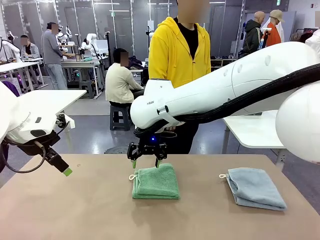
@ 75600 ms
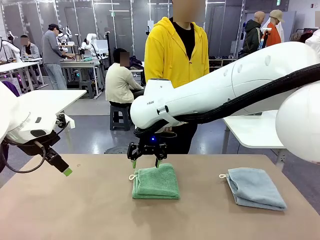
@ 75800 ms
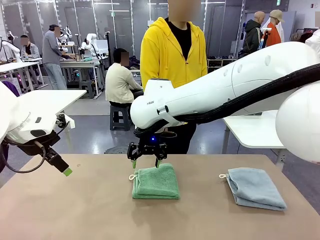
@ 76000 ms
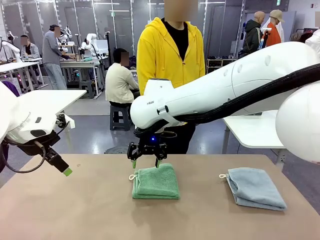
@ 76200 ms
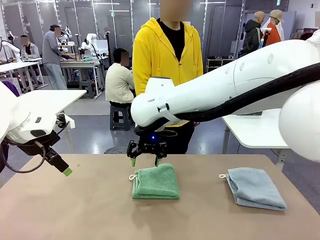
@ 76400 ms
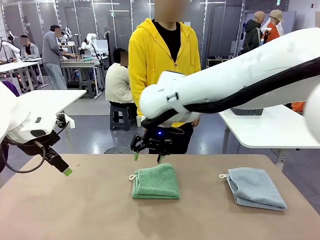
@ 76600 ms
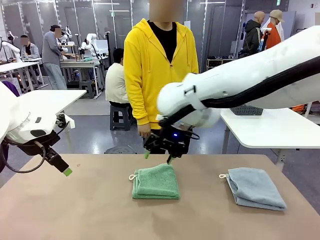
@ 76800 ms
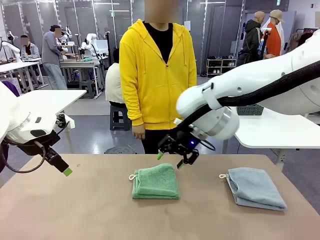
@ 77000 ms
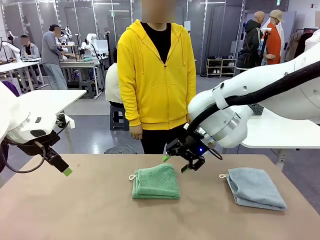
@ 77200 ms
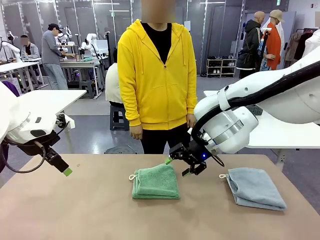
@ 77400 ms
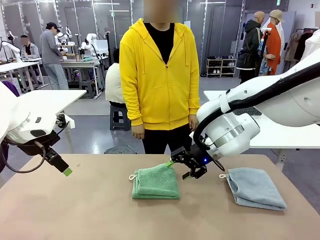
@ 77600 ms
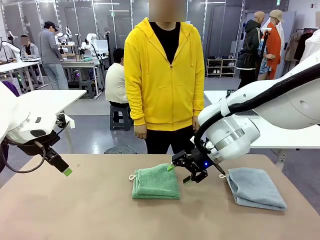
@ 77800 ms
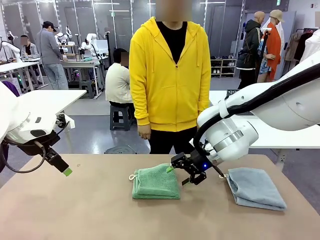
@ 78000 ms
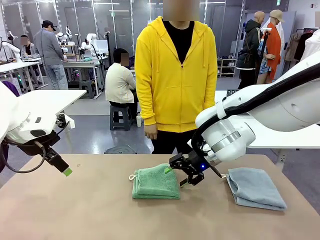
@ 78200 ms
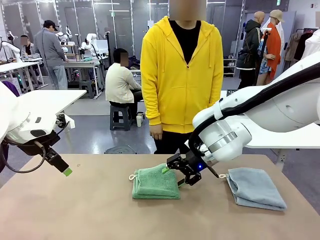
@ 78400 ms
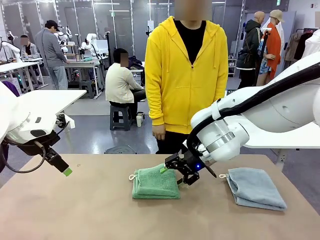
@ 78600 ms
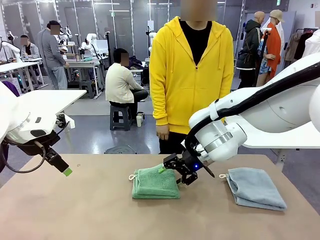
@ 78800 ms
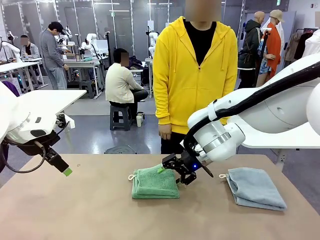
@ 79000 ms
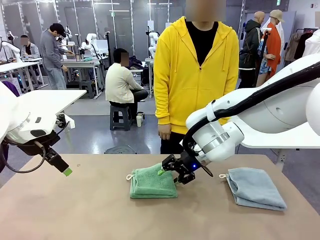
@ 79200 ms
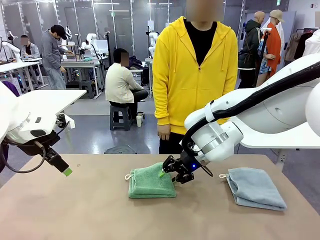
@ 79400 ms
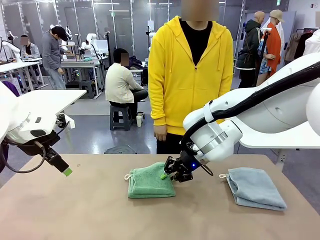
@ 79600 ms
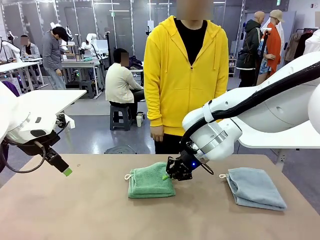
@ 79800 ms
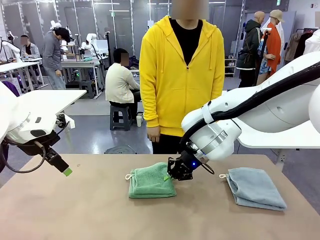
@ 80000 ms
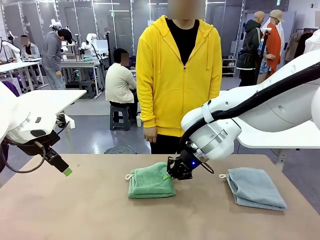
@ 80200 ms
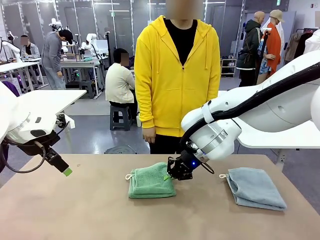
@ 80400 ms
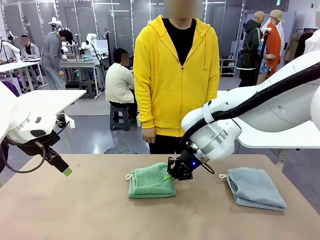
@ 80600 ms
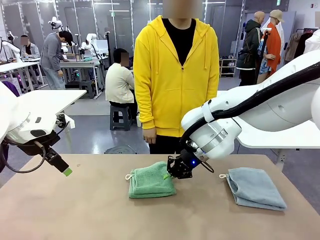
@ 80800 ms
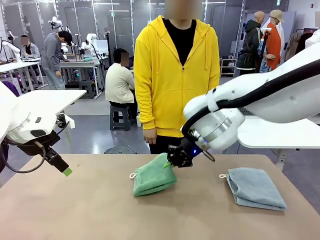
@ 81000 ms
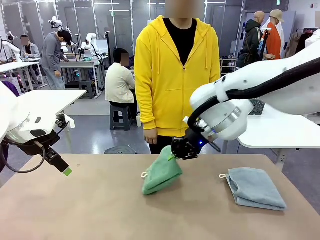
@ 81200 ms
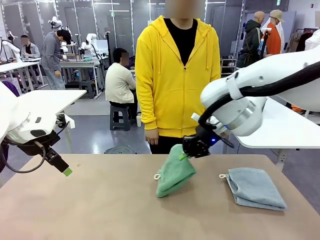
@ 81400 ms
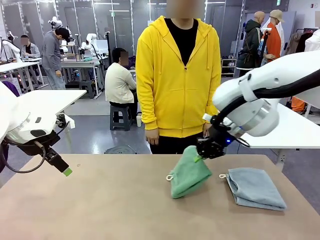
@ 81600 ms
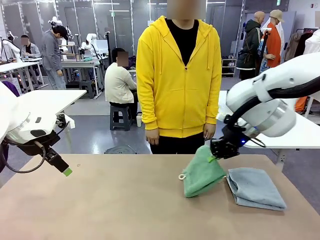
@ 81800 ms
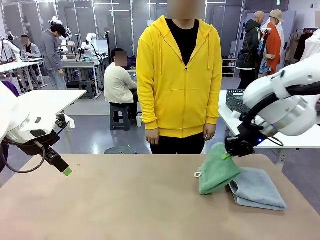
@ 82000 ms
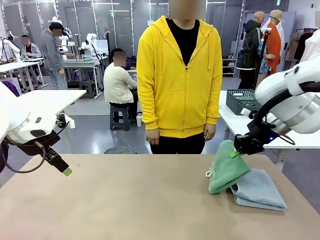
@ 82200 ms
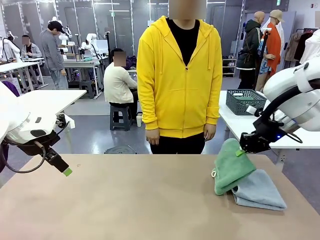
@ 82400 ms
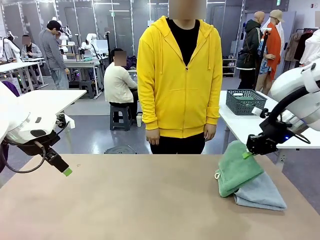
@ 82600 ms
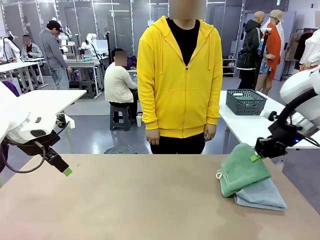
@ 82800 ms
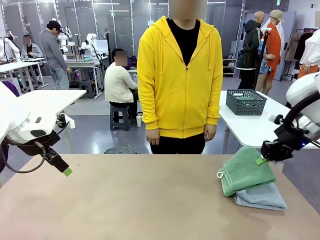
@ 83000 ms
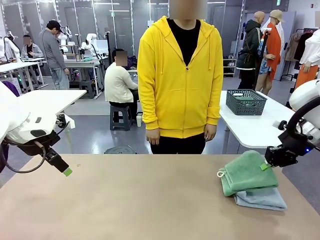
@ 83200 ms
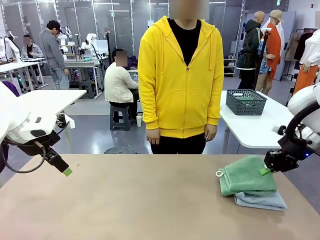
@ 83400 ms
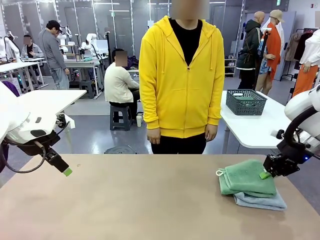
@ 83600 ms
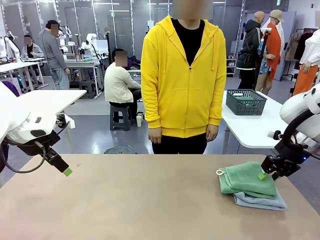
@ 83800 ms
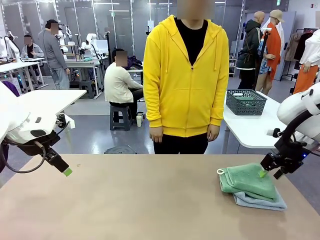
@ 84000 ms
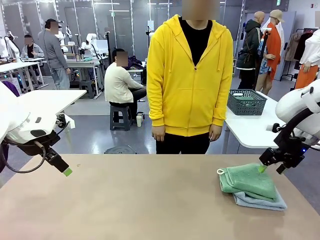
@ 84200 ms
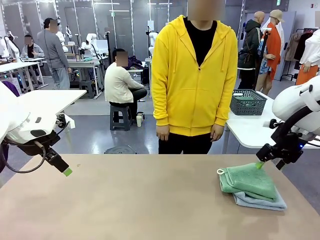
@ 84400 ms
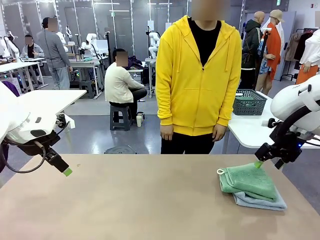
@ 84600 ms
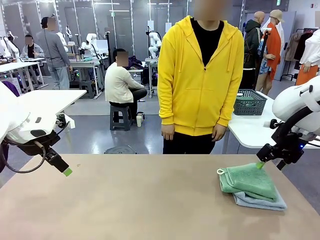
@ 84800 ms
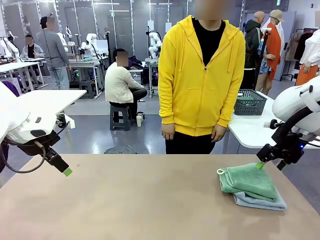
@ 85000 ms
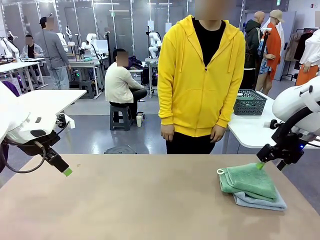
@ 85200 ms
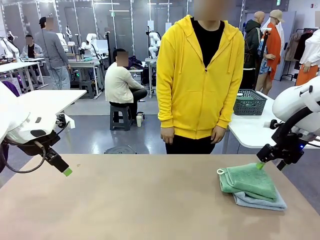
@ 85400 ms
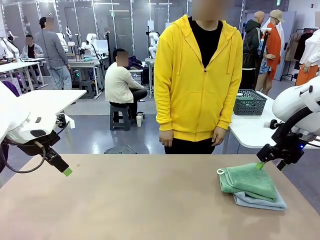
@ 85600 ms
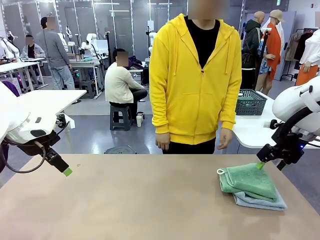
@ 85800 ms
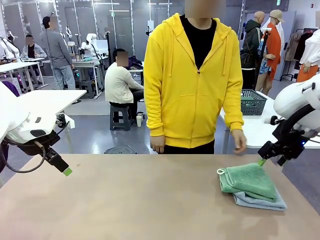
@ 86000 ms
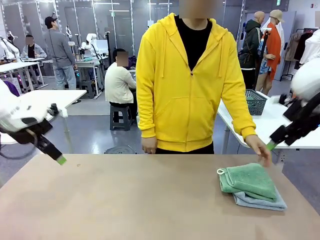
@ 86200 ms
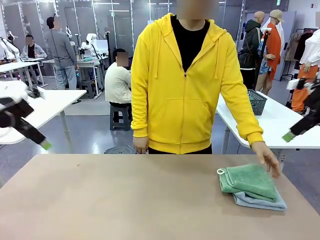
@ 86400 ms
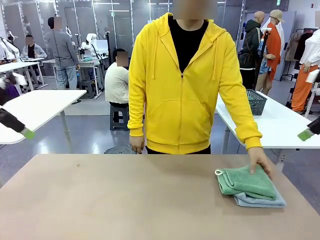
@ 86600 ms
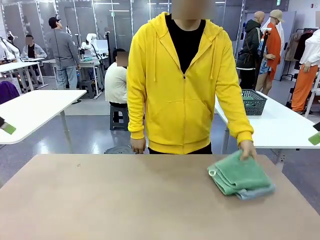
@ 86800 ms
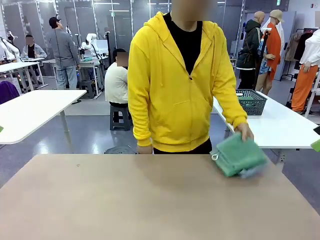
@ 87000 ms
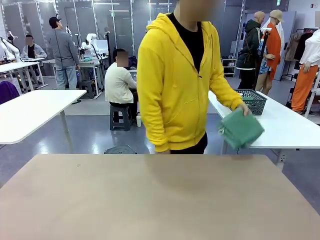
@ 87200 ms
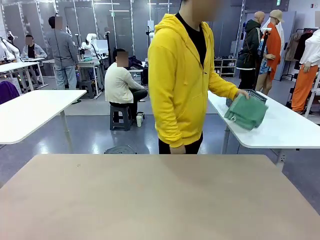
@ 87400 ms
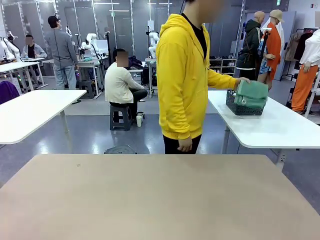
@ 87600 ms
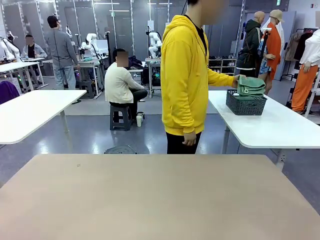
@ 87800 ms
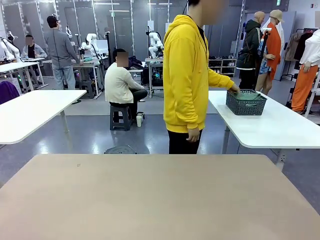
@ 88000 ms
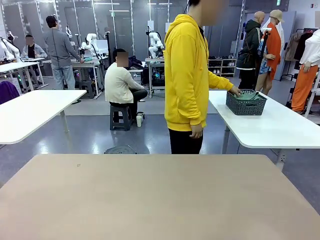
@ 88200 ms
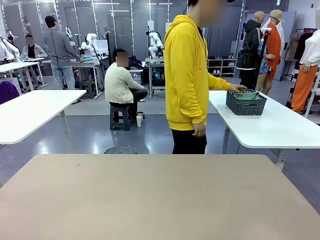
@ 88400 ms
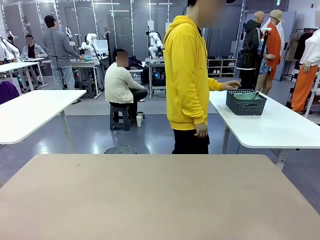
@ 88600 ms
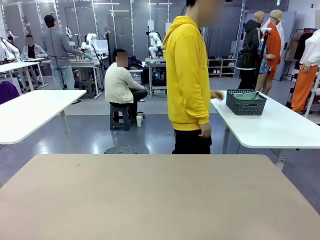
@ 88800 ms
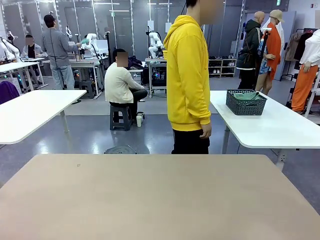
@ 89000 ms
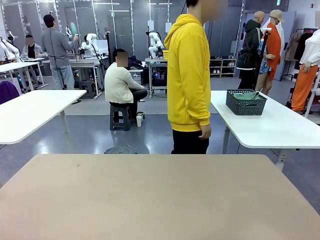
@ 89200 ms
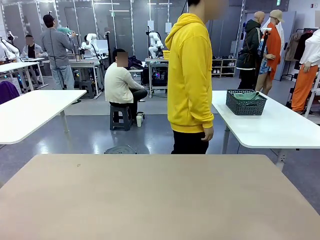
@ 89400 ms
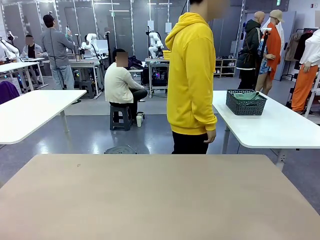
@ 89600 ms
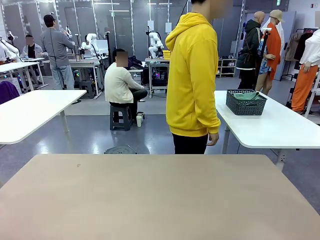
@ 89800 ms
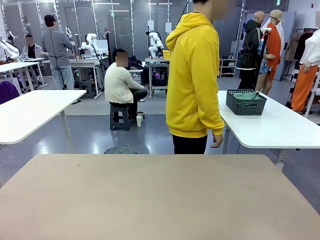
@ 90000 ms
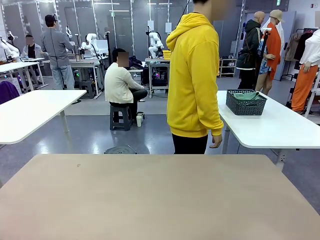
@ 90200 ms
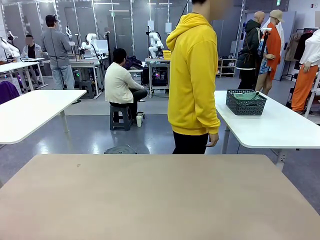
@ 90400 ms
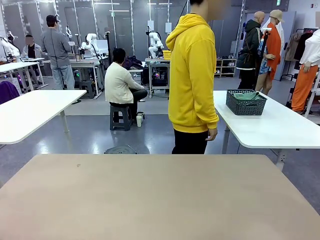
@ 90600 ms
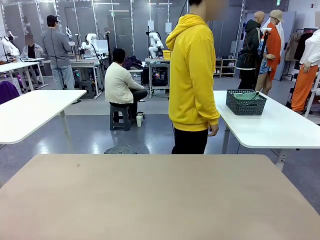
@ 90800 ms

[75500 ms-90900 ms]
Task: Fold the towels and place them in the basket.
Robot: Stack the folded Towel with hook on the right side of the table.
Person: Pick up the stack of towels from the robot table and place it into the basket.
